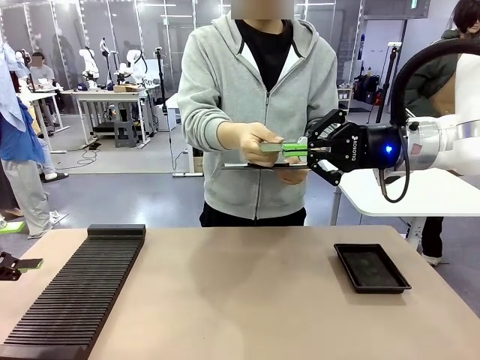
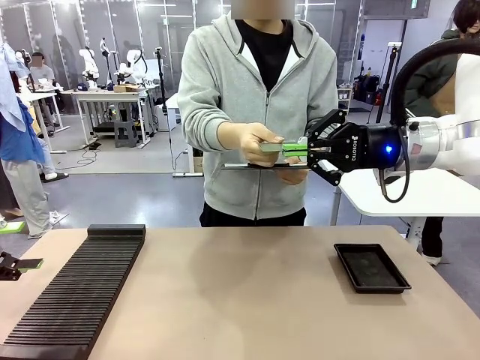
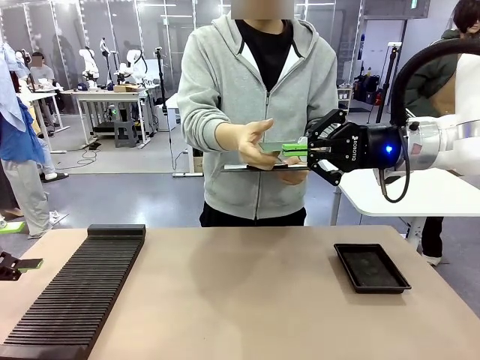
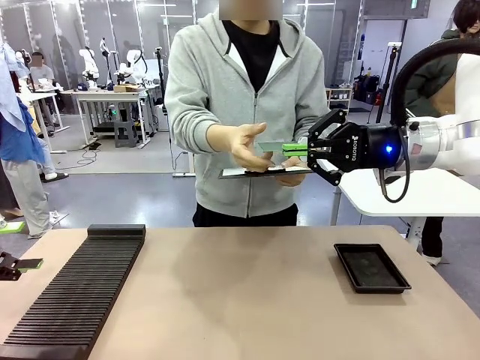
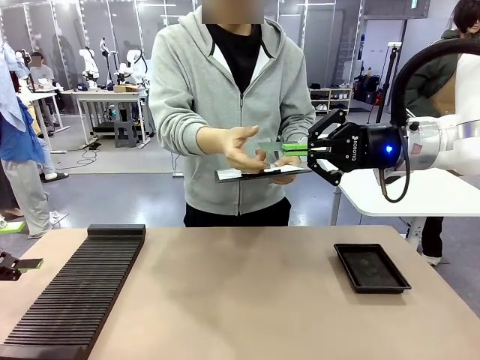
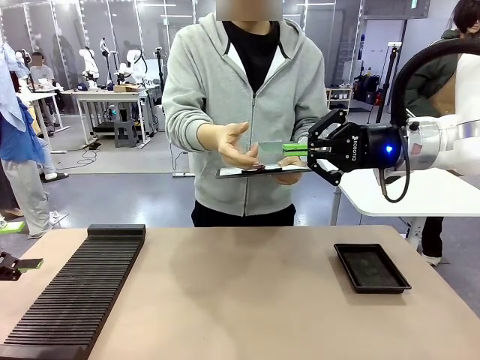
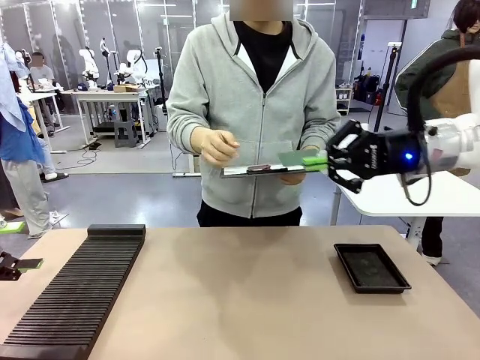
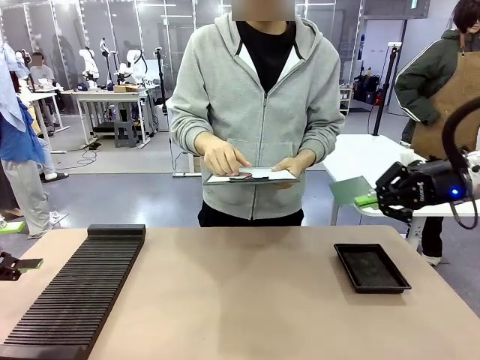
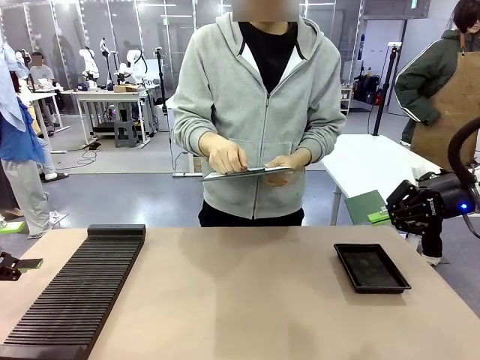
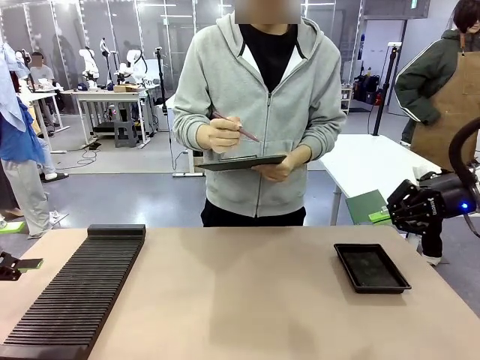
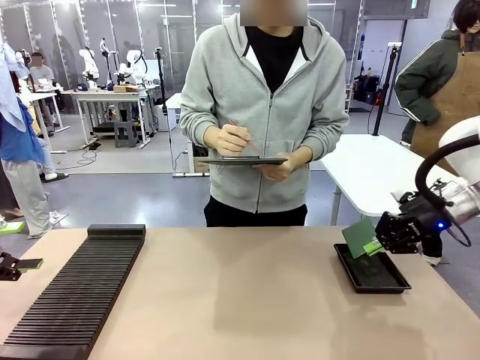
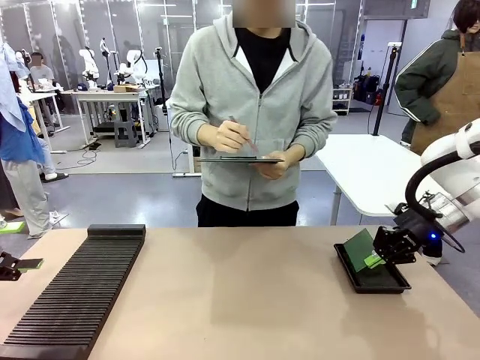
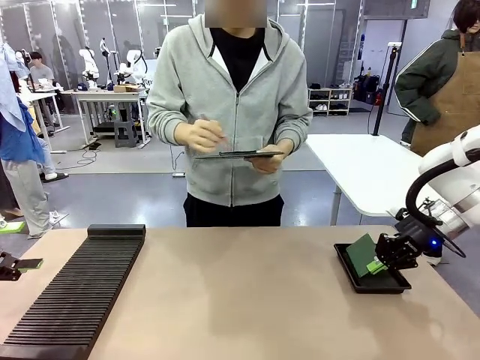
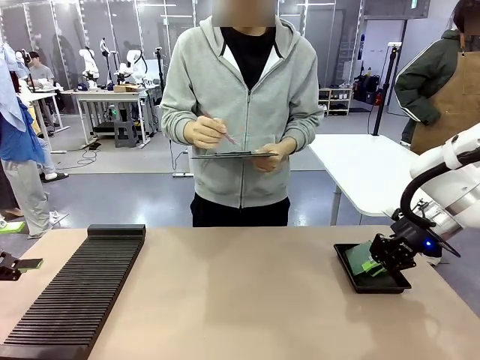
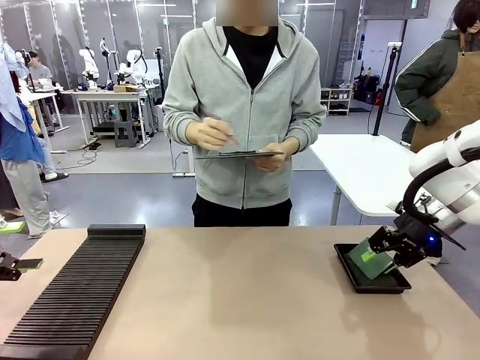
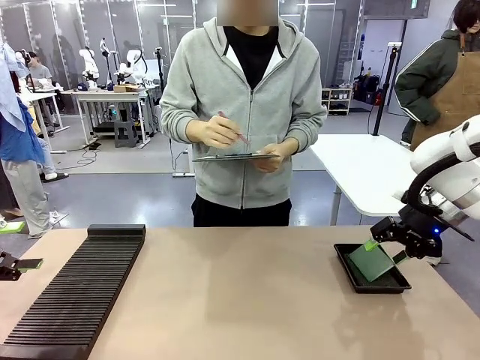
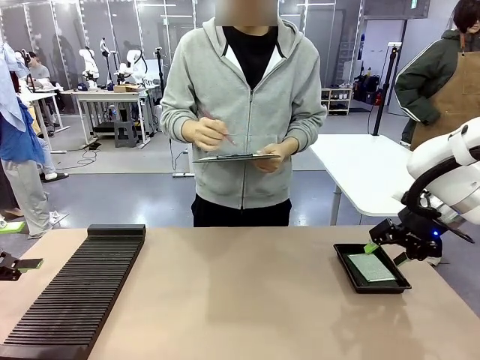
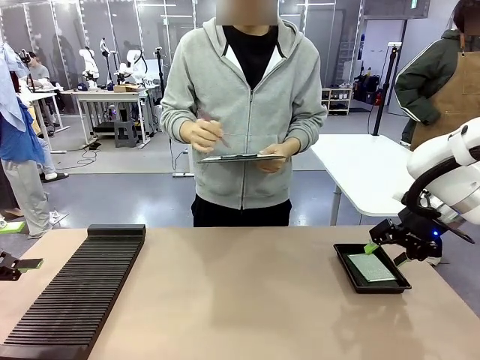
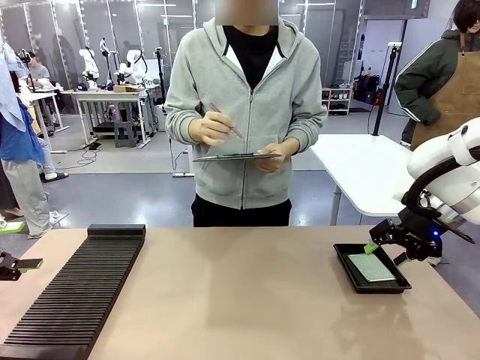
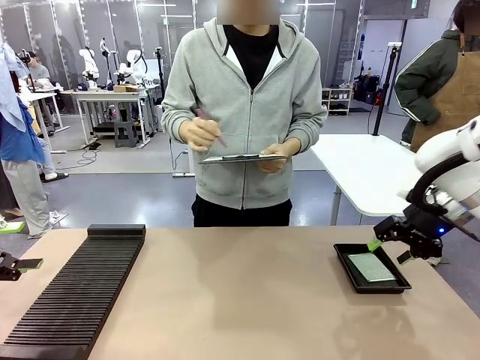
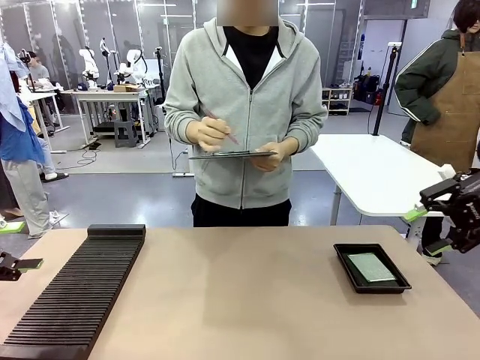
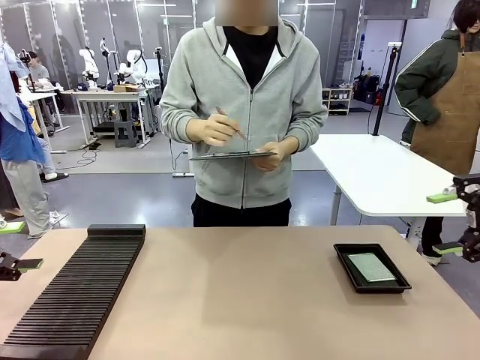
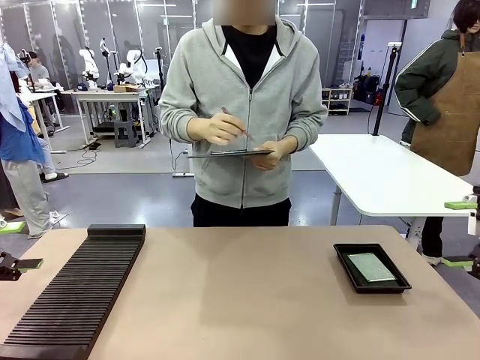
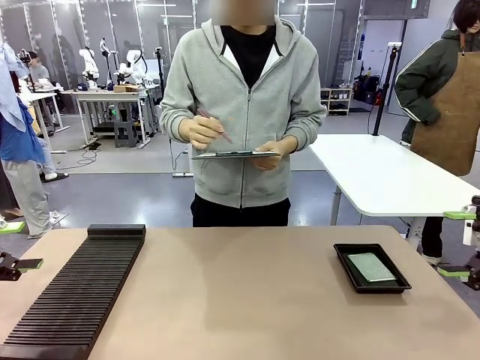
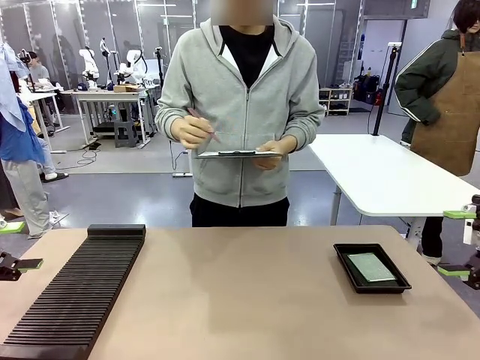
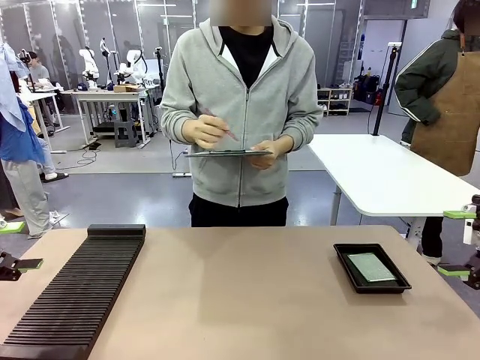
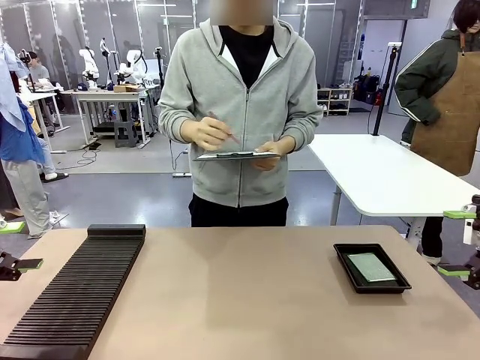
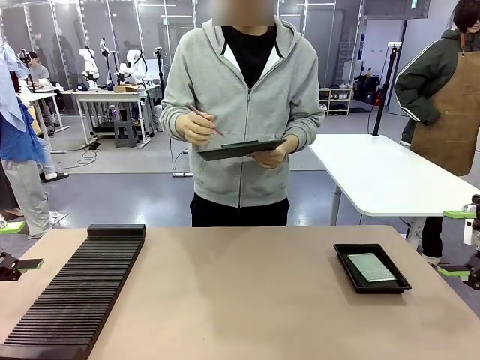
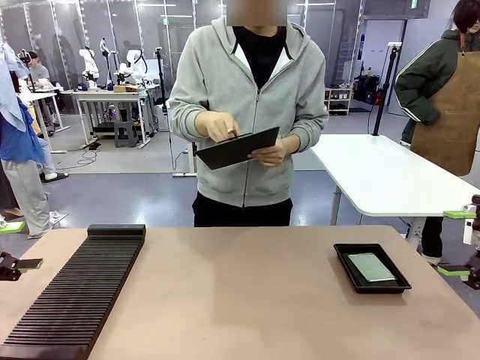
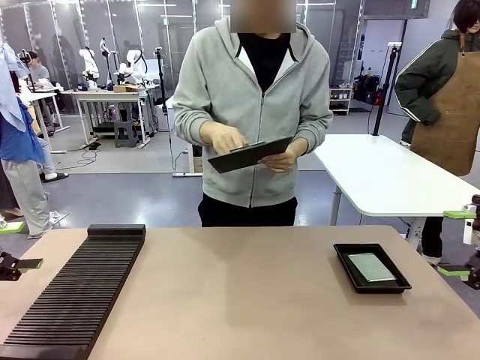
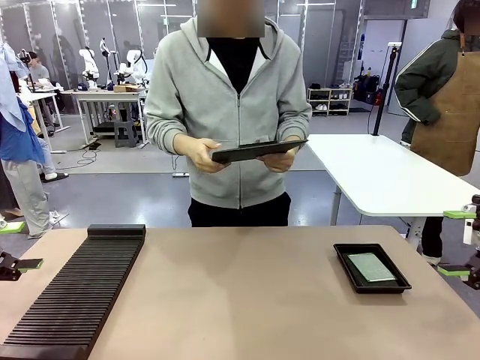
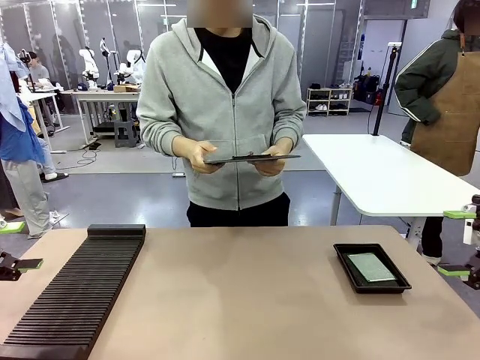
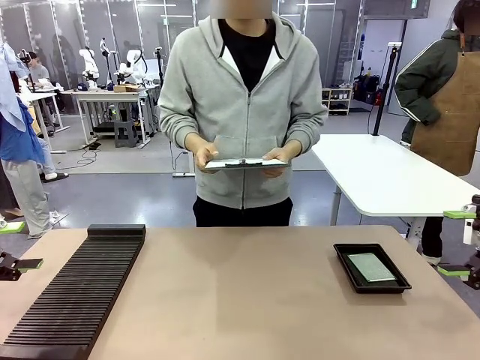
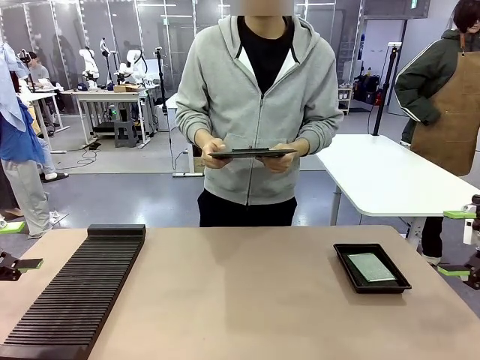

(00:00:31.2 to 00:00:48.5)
Task: Inspect the PCB.
Robot: Place the Blank PCB in the ESD tray.
Person: Record the PCB status on the paper.

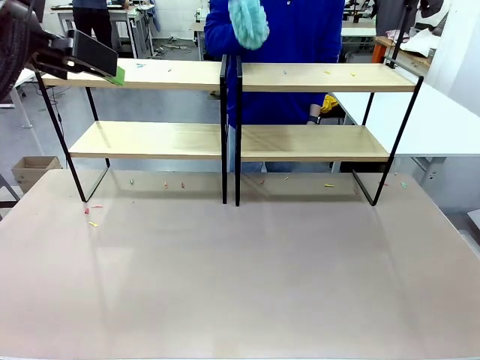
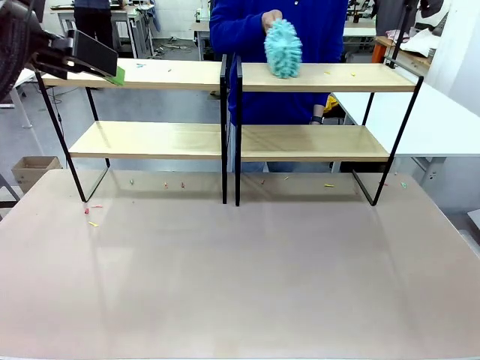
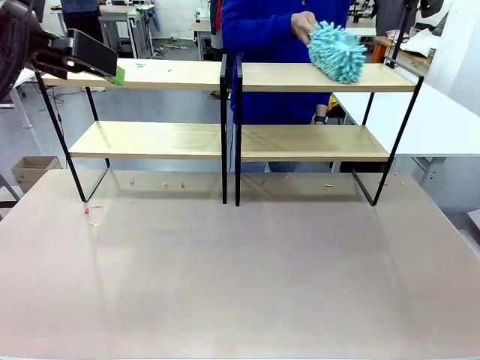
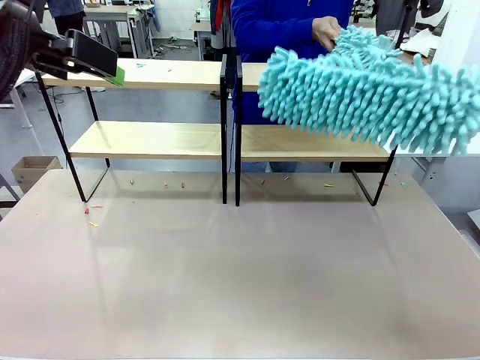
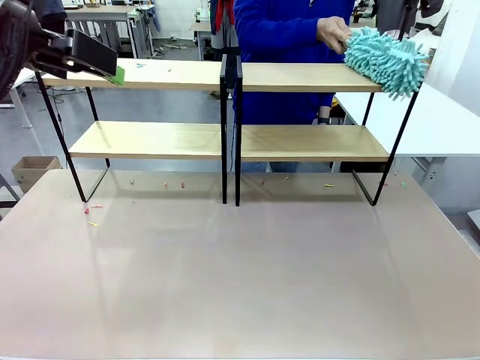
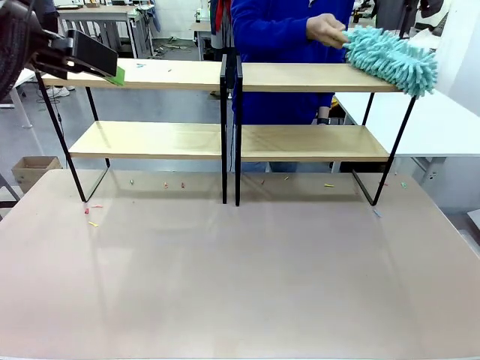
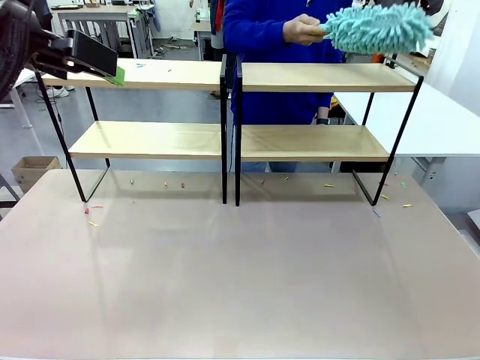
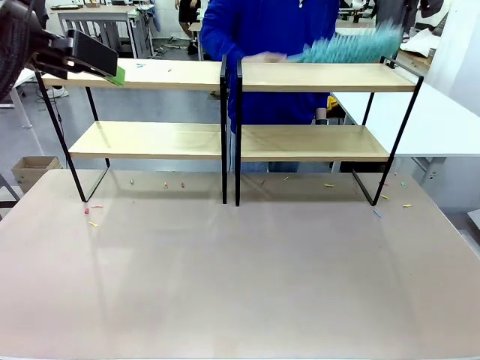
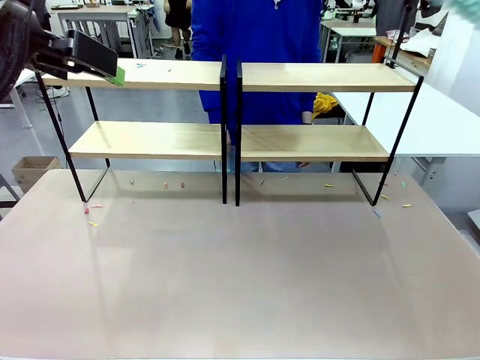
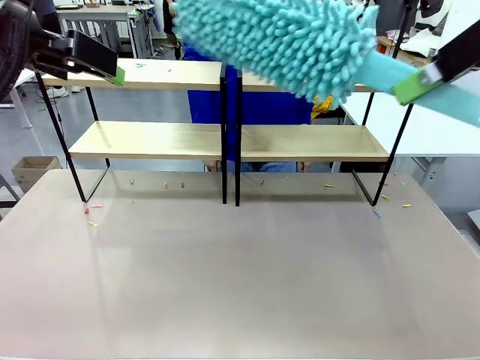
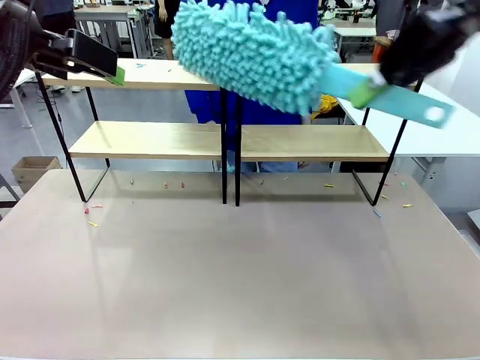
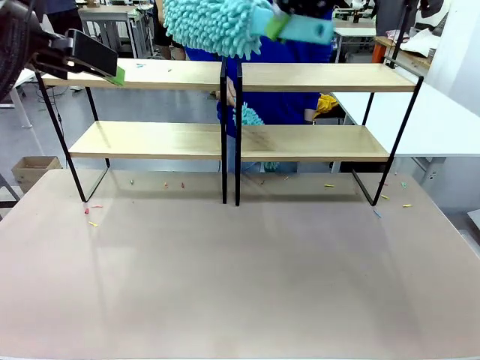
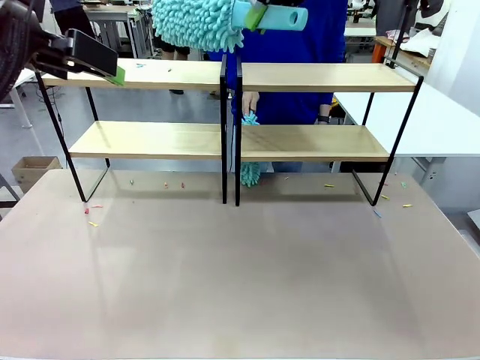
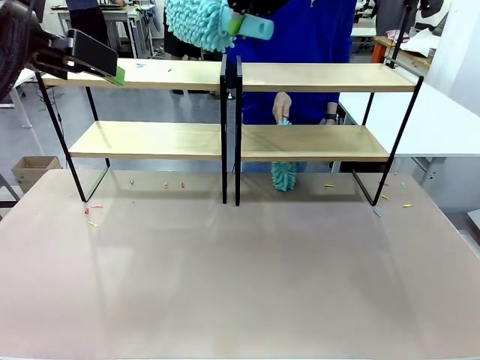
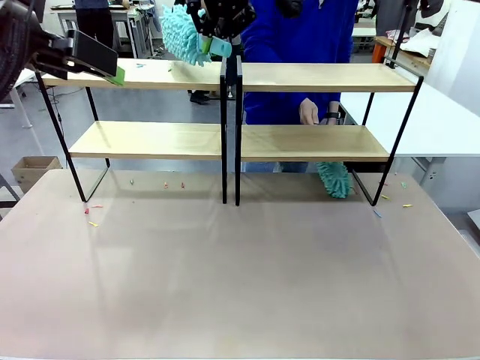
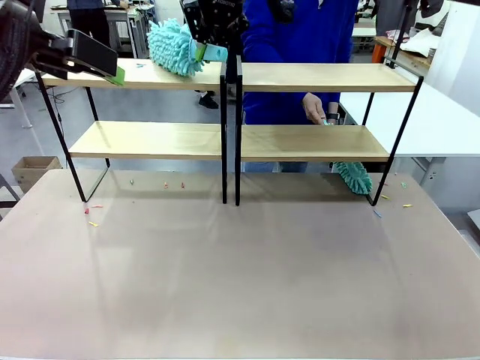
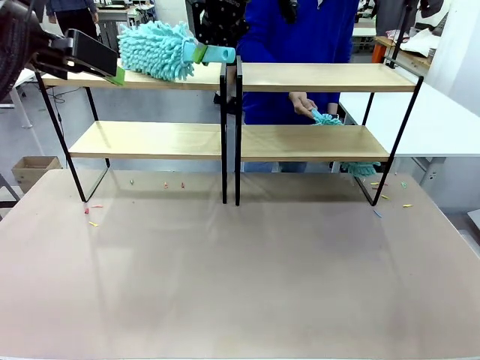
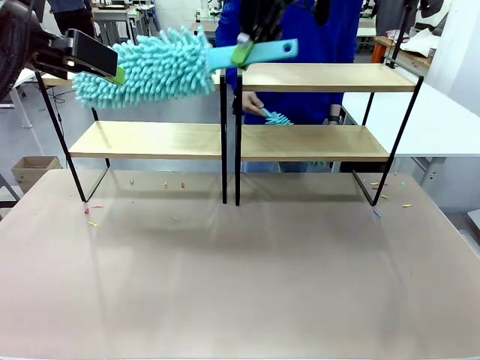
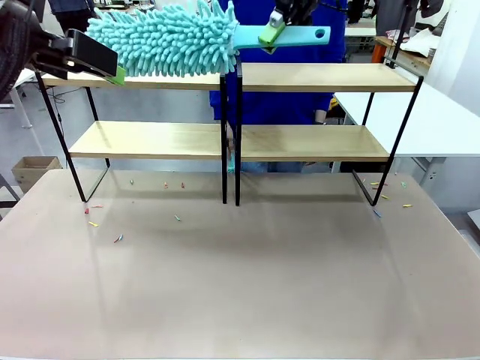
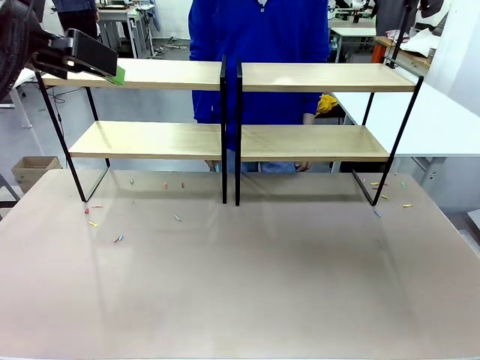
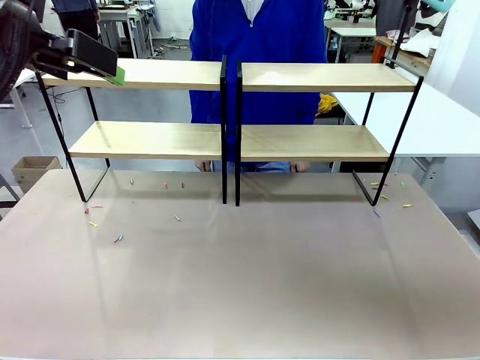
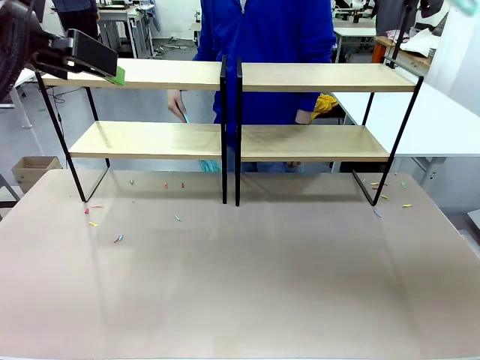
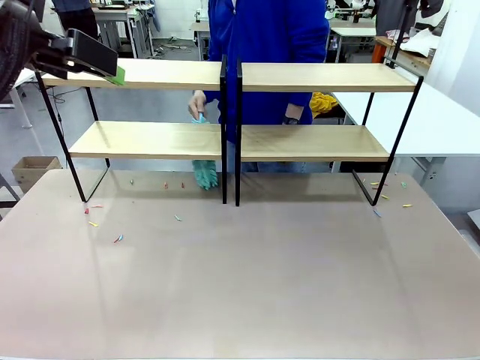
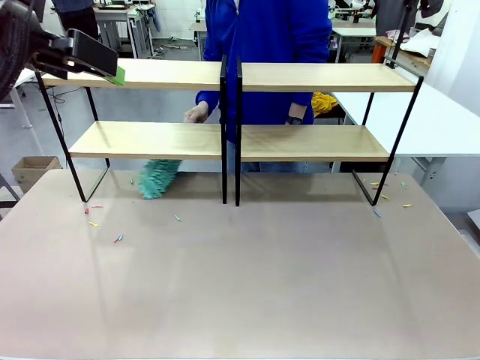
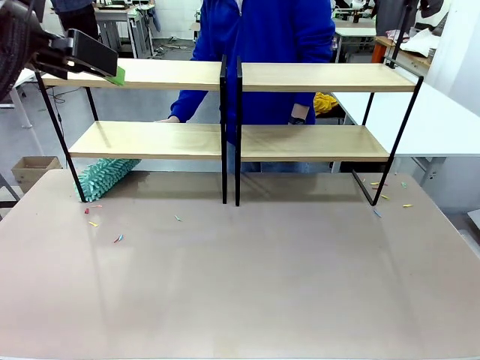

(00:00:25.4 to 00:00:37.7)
Task: Clean the shelves.
Robot: Clean another randomly selected level of the Shelf with the Duster.
